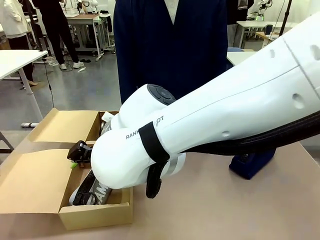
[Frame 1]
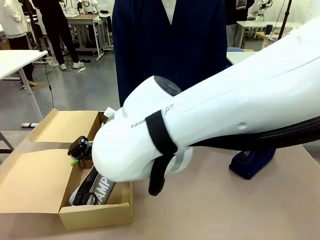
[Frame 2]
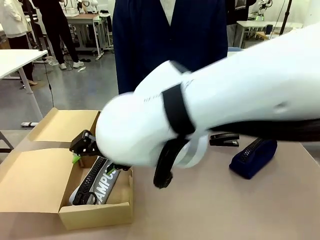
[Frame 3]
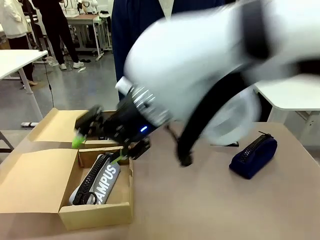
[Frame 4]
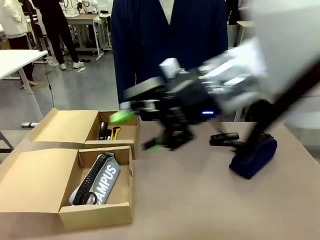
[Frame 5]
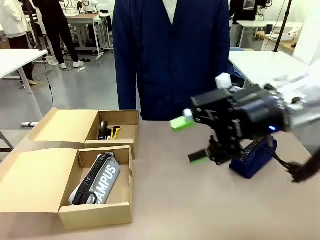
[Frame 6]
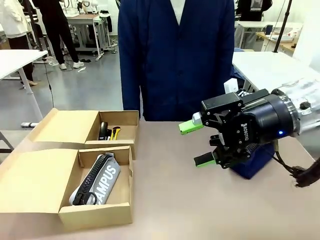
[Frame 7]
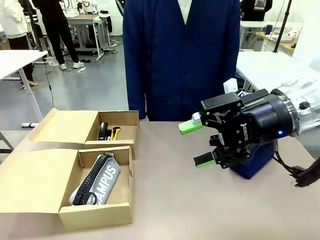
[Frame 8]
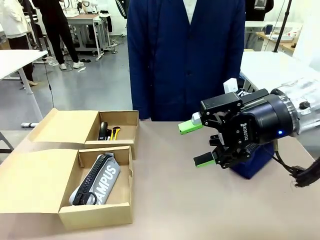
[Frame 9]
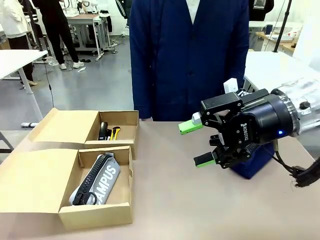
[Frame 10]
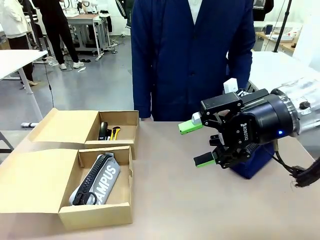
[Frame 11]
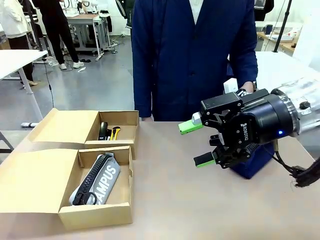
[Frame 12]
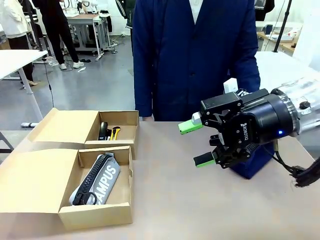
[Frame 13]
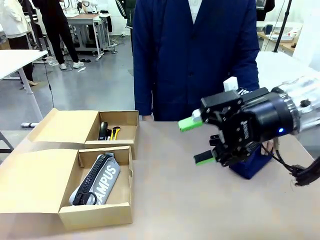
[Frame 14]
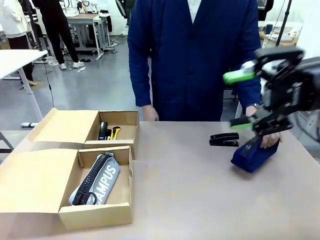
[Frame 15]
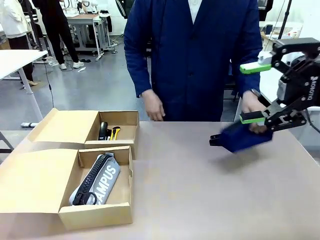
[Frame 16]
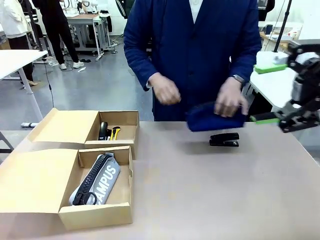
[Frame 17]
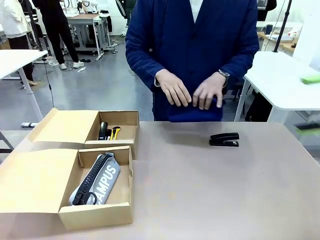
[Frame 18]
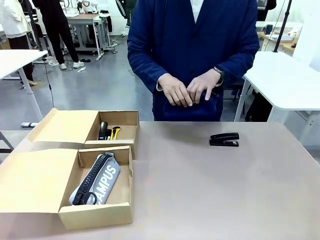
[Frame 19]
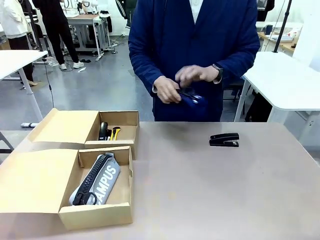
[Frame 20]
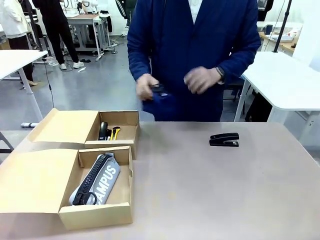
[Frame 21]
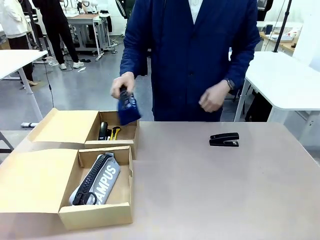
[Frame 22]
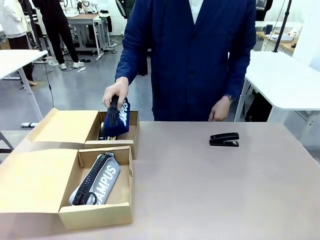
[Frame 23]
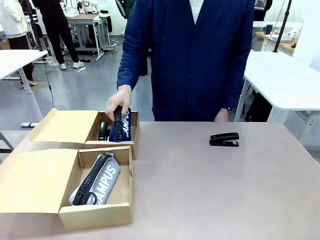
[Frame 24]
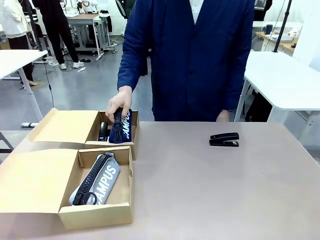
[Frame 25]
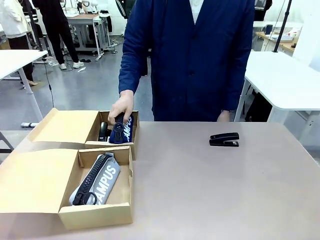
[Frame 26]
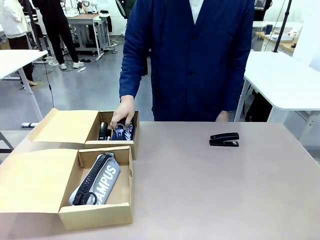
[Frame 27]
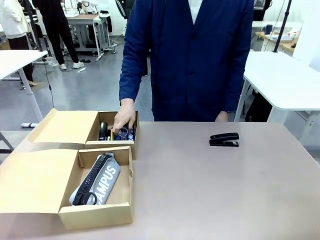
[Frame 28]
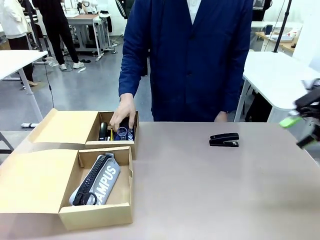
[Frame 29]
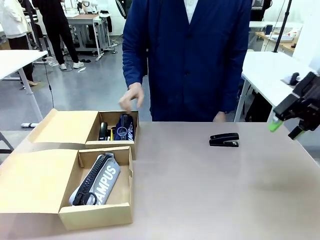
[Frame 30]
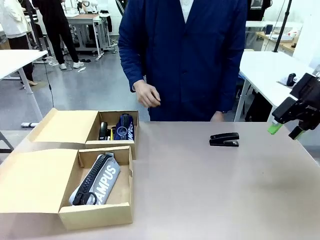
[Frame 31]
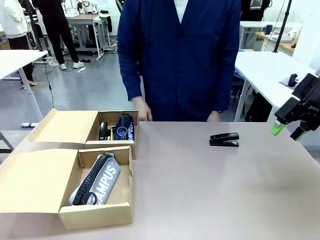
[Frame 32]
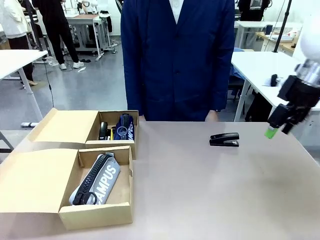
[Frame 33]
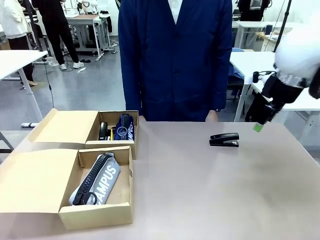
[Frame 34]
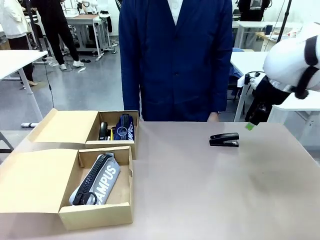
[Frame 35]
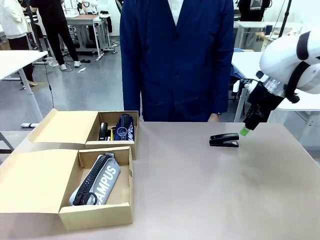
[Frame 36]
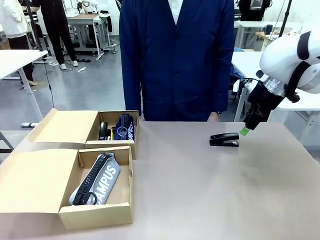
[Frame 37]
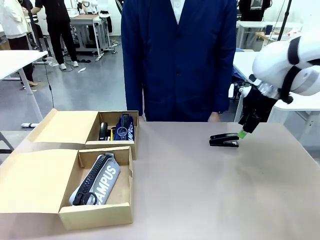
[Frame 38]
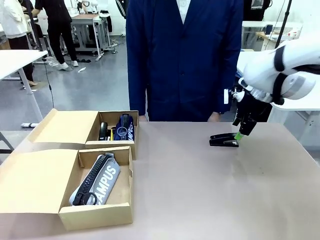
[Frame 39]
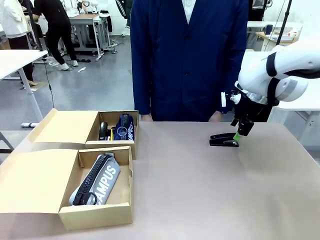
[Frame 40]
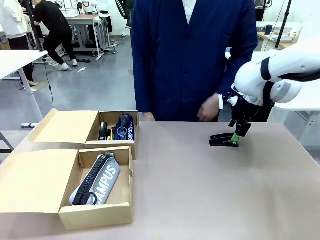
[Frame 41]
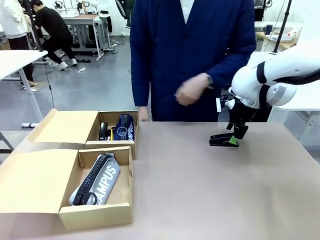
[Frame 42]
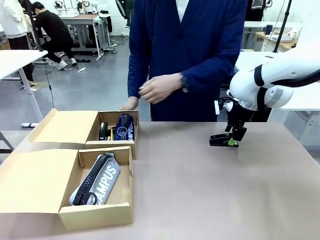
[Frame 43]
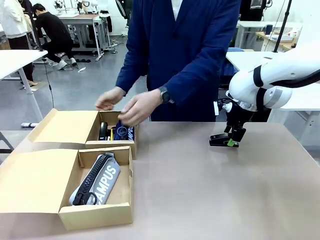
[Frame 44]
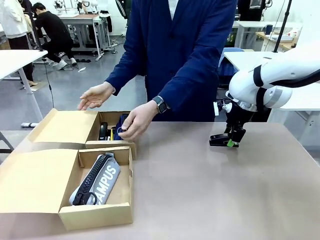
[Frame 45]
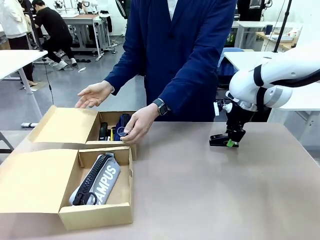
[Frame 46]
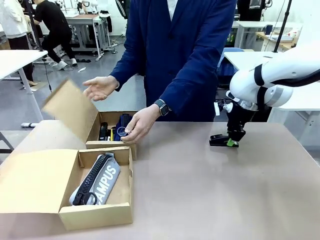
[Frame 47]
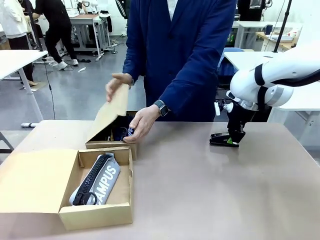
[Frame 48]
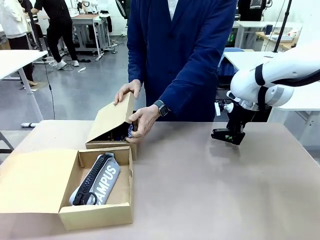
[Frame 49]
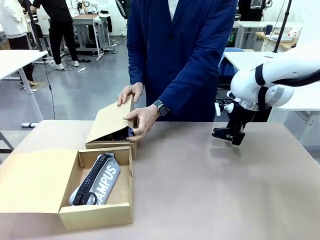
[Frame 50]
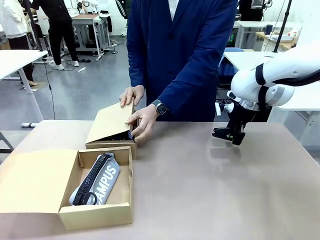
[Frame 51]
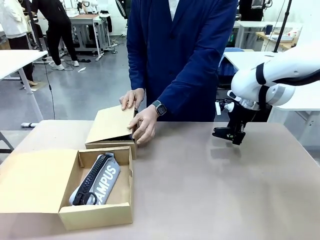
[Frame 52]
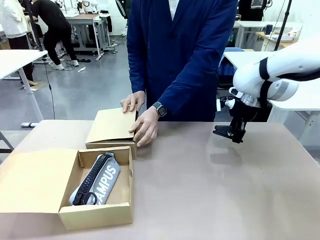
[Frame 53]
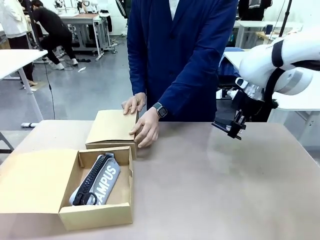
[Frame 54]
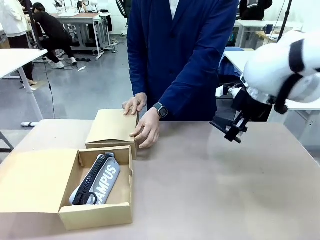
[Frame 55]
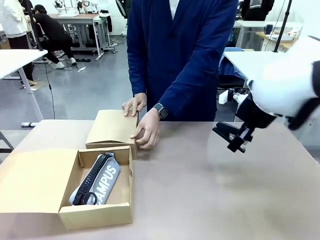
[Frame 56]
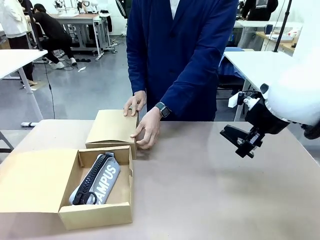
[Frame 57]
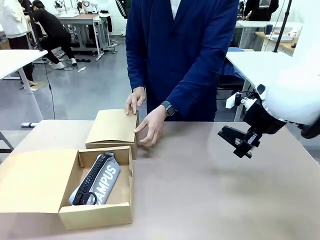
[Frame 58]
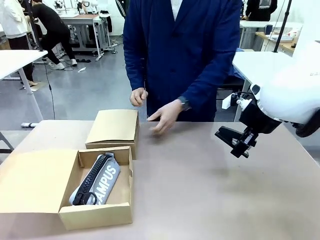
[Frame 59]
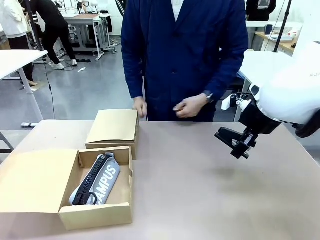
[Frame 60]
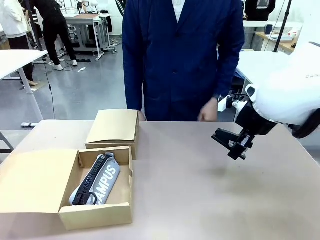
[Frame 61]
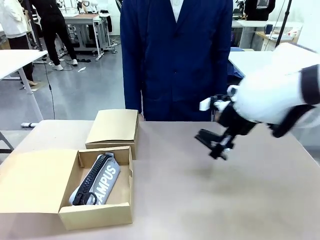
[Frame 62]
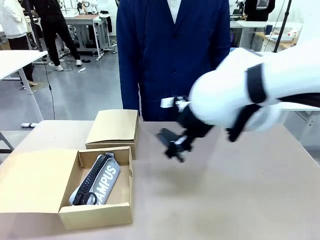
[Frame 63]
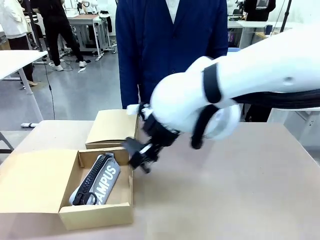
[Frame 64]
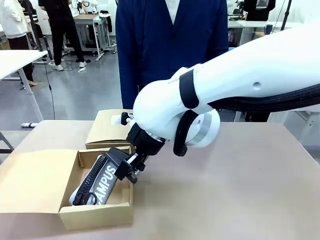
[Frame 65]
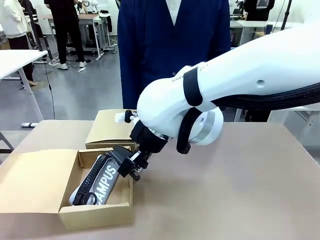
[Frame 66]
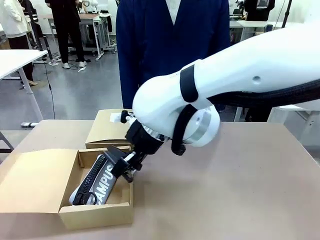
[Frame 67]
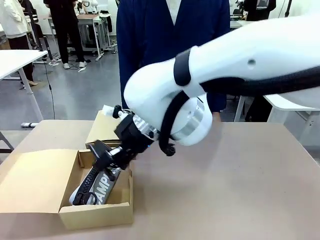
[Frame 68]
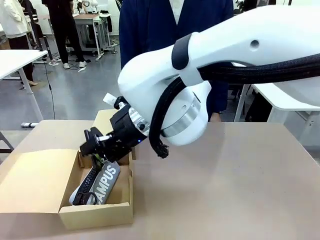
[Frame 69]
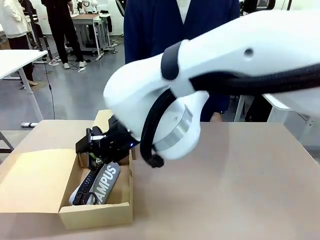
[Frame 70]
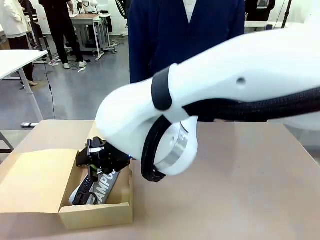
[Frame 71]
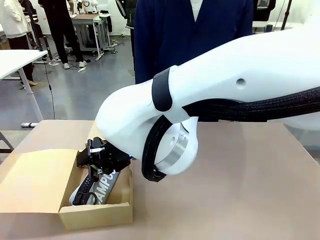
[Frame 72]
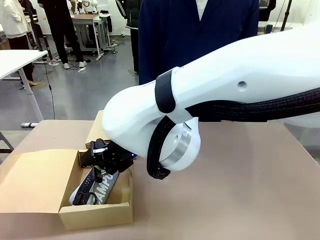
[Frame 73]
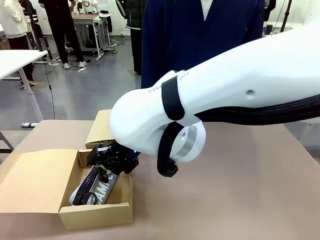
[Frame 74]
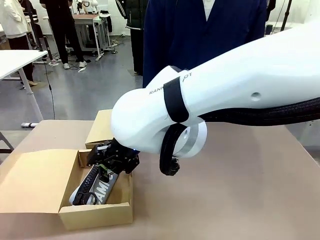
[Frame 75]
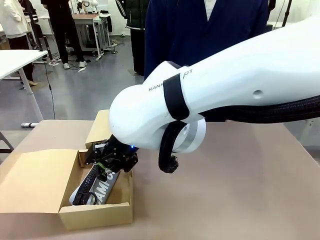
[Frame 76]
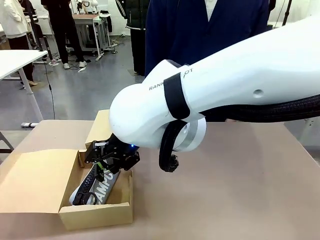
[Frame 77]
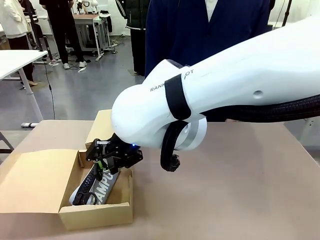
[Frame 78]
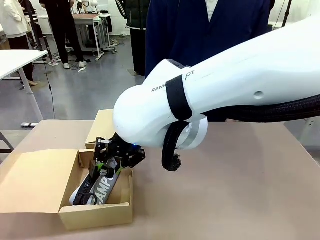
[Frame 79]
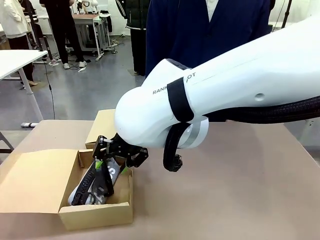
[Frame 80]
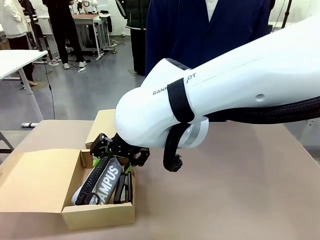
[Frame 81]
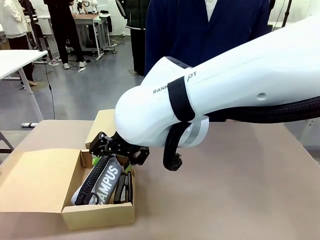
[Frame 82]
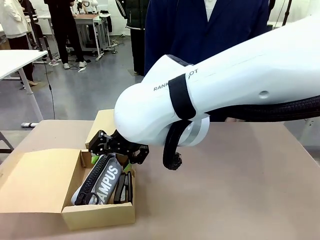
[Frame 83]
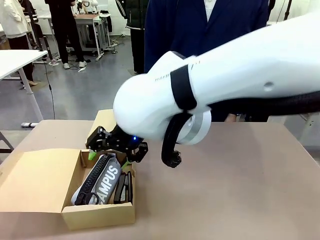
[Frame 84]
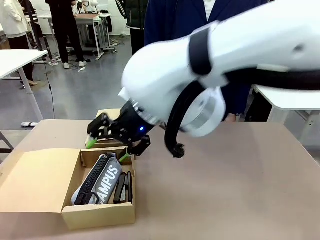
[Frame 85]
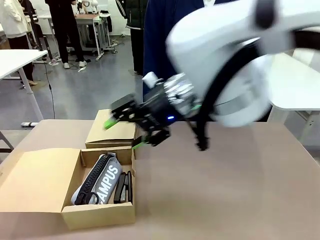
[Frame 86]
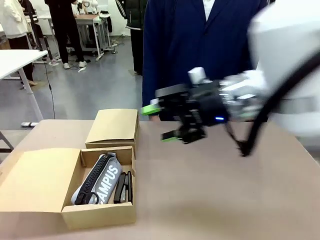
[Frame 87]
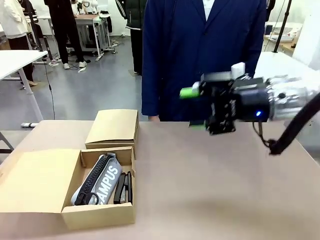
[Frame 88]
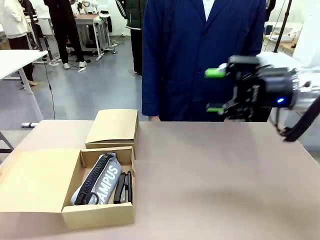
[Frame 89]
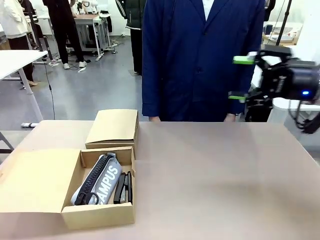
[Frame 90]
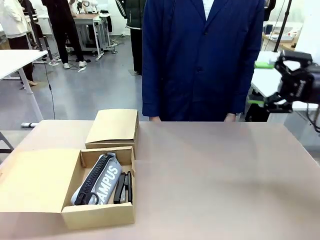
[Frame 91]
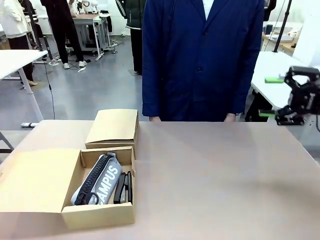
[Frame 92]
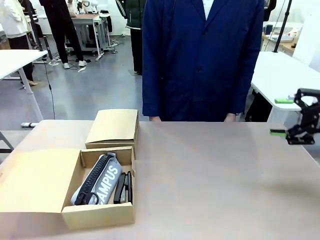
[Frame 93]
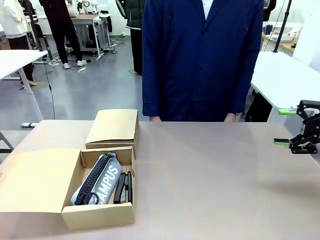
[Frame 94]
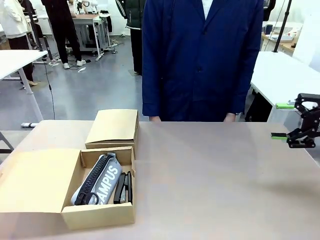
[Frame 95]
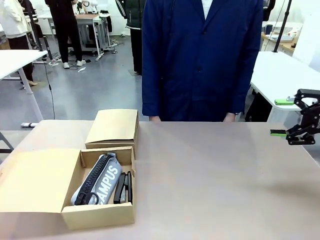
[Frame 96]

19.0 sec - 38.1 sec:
Task: Place items inside the box.
Robot: Pick up a Pencil pouch or Stapler and place it inside the Mailer Box closest to the robot.
Person: Close the lid of the box facing the person.
